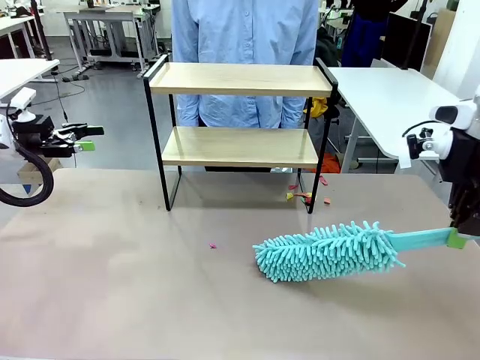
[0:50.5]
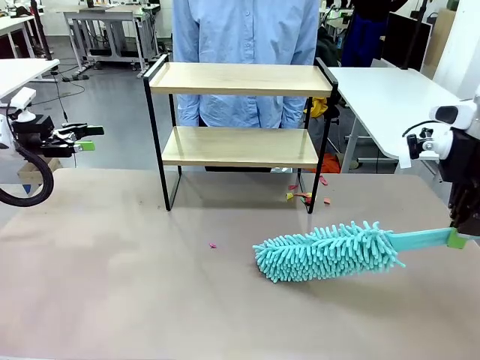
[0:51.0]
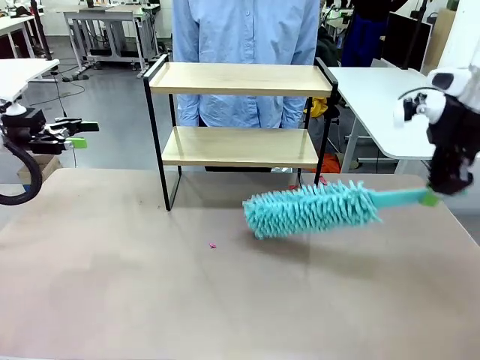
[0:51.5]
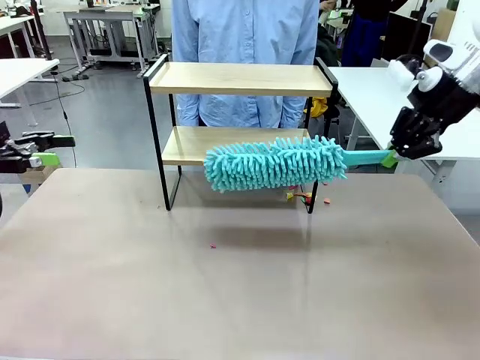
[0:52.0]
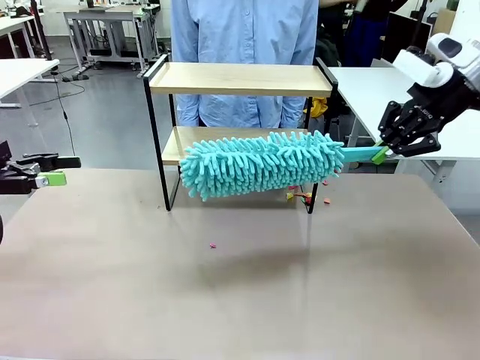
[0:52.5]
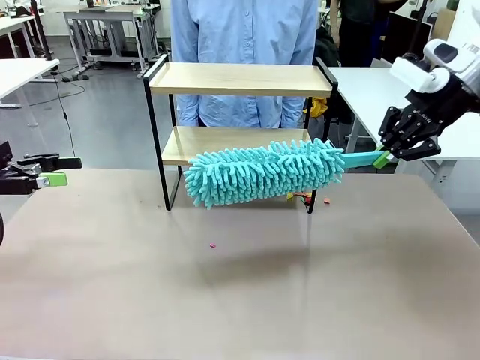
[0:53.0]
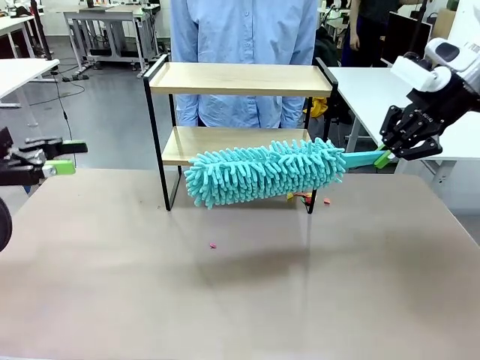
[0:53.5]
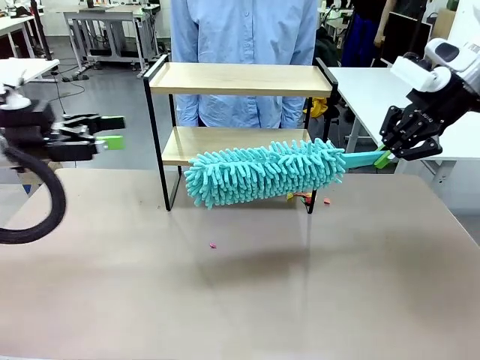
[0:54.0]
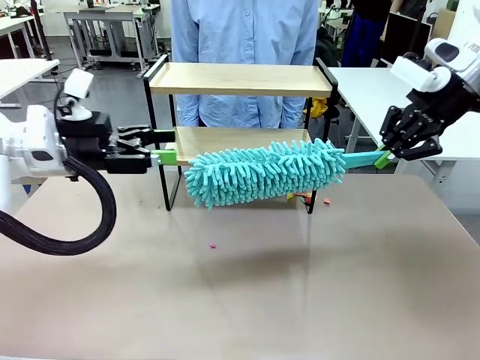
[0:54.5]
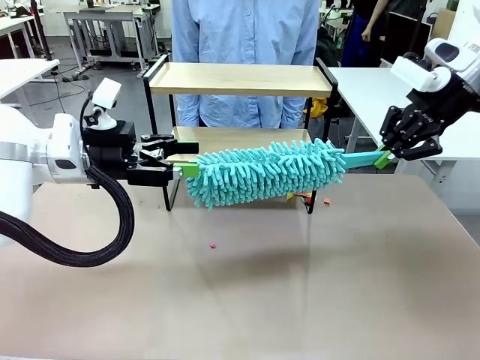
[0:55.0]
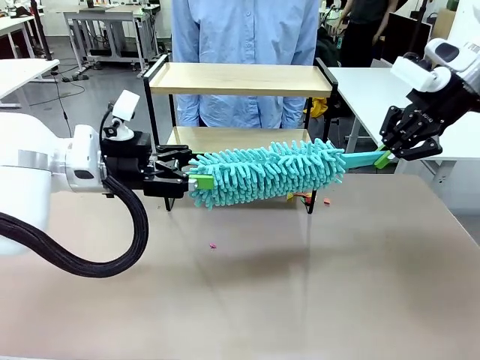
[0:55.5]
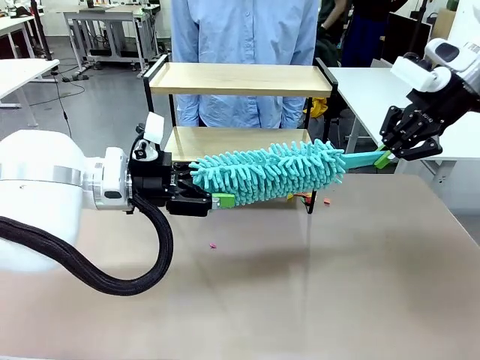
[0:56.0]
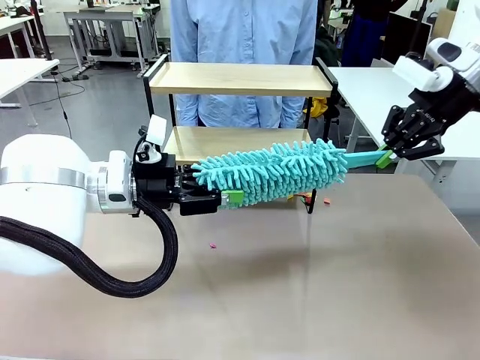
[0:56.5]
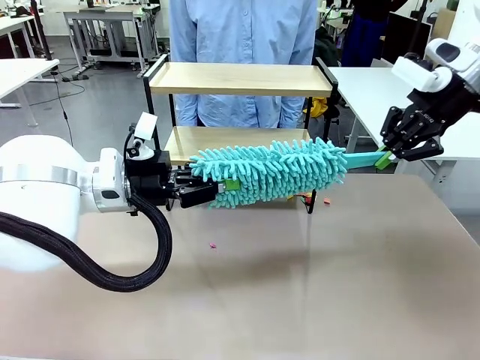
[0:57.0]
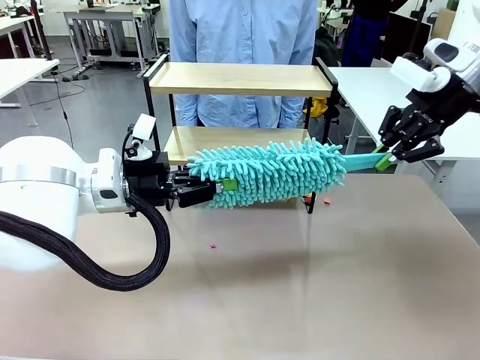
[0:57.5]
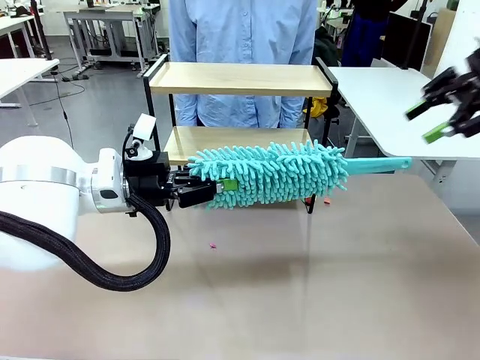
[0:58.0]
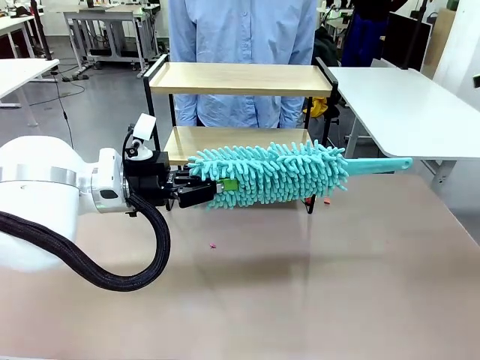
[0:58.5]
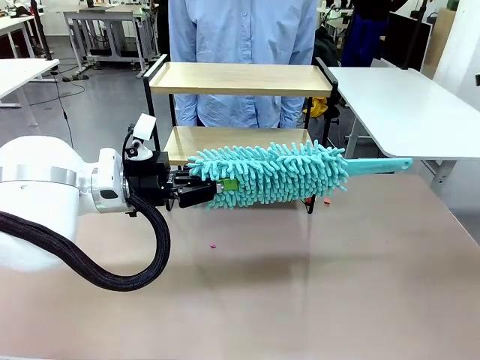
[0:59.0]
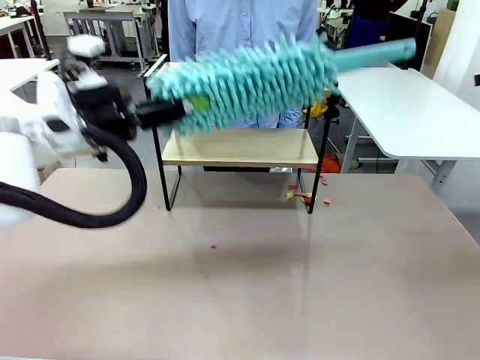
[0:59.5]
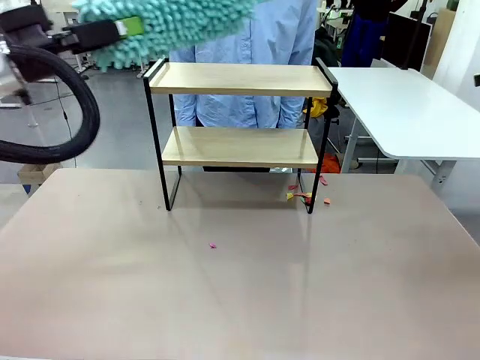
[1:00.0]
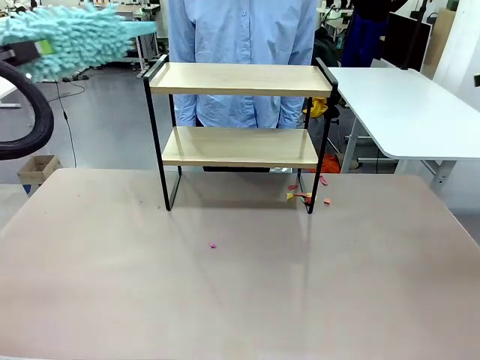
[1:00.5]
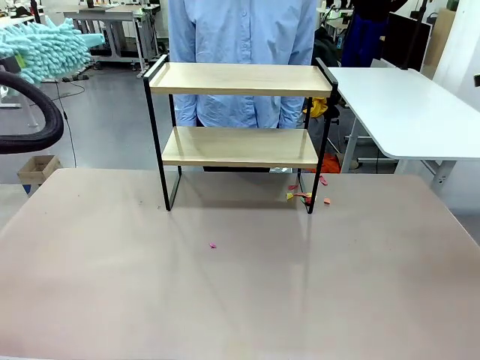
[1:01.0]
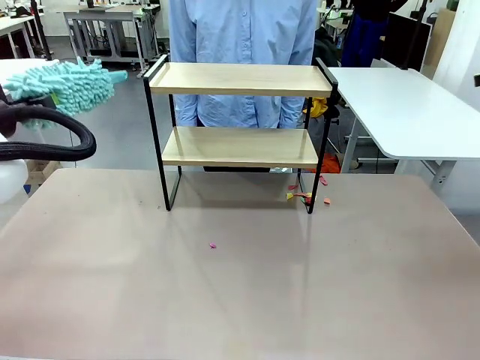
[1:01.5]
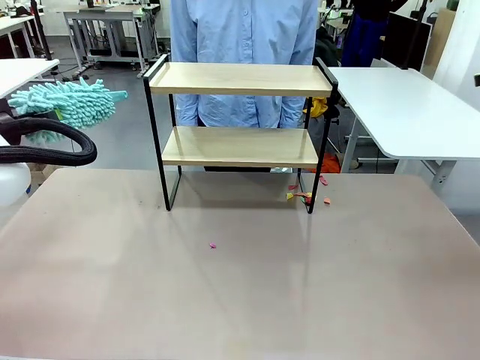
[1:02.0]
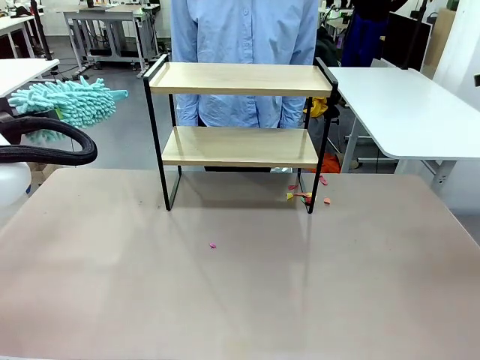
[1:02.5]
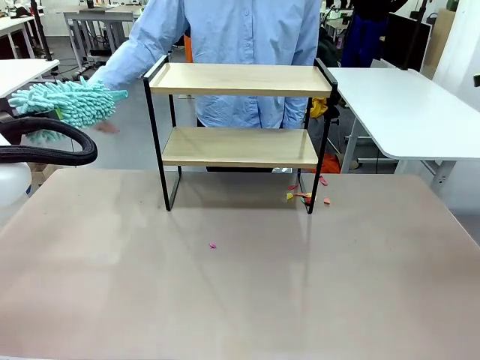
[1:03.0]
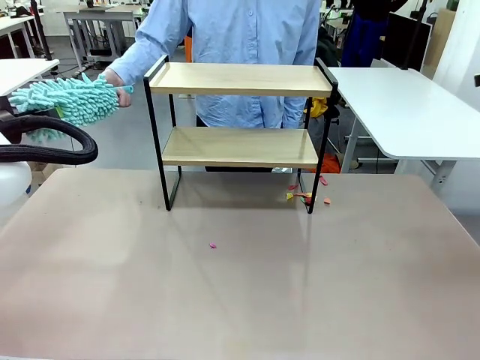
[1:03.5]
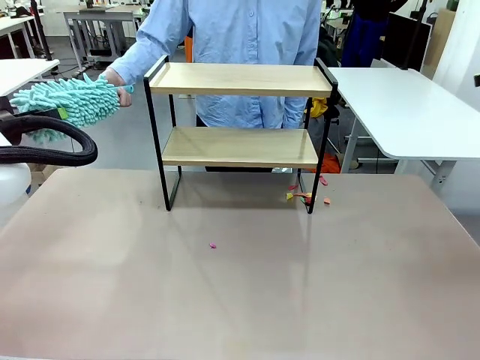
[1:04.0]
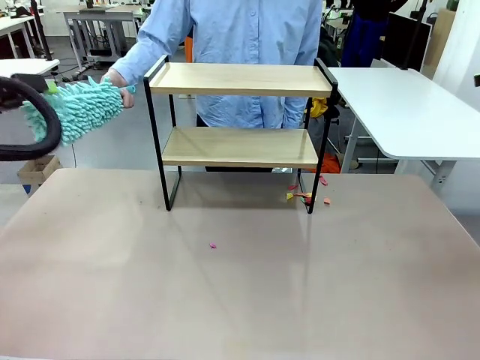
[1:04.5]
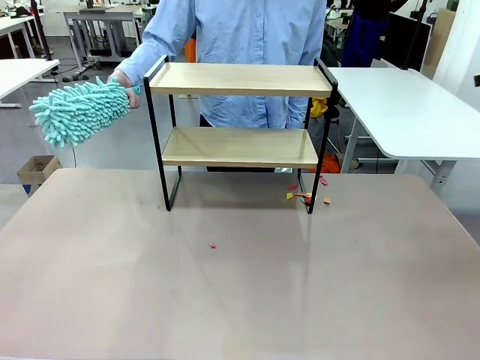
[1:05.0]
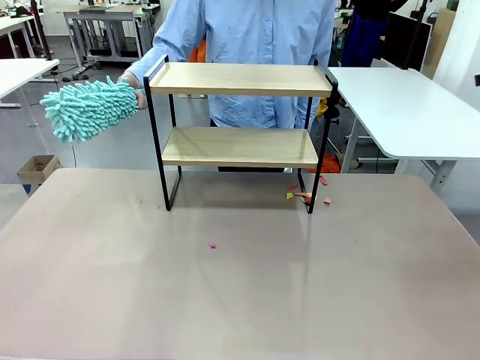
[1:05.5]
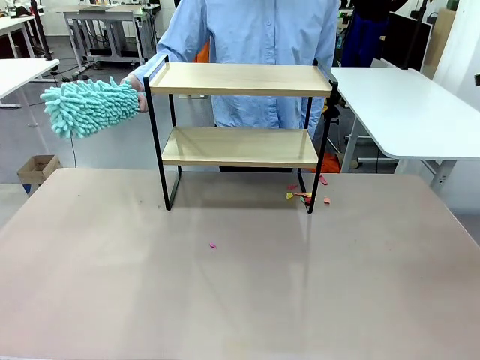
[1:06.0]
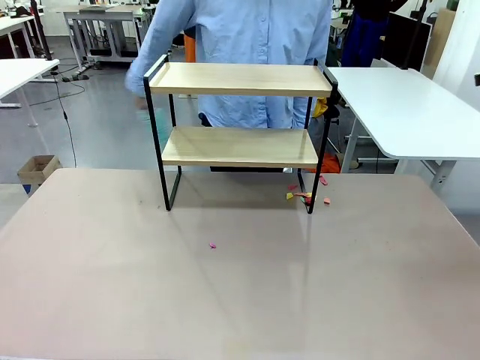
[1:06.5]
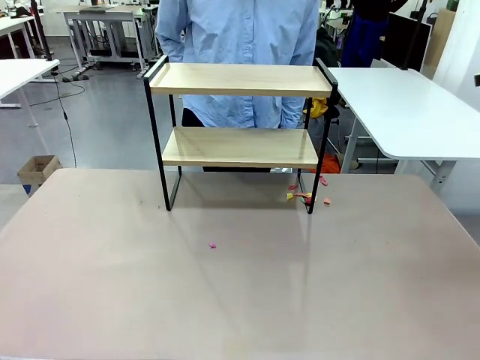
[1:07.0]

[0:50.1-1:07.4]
Task: Clean the shelf.
Robot: Hand the Duster back to the human.
Person: Receive the Duster from the robot.

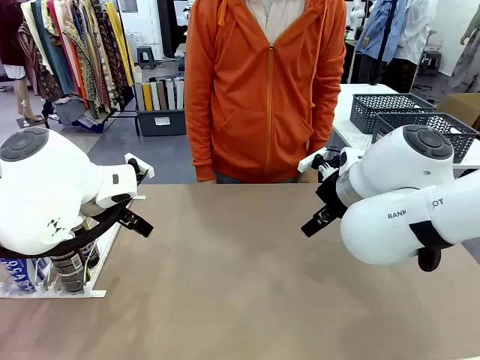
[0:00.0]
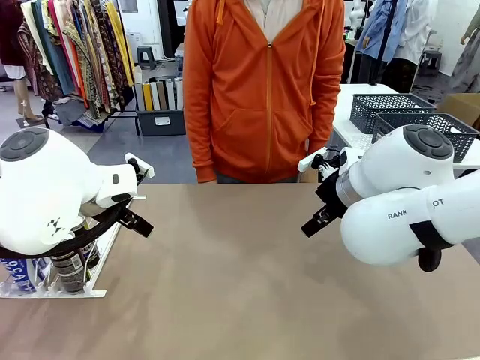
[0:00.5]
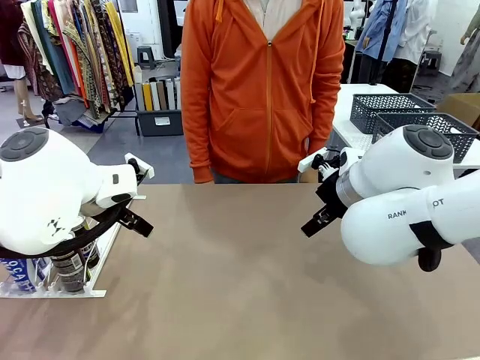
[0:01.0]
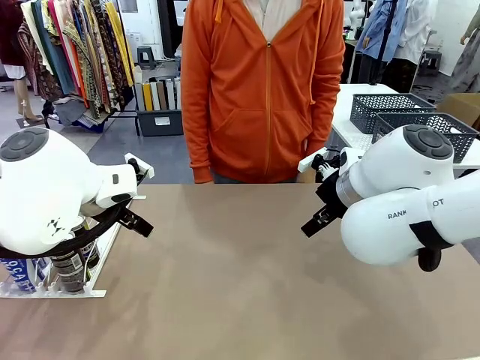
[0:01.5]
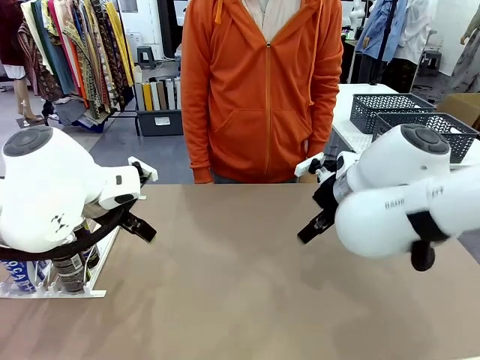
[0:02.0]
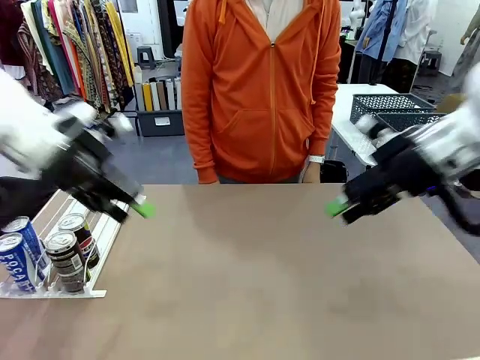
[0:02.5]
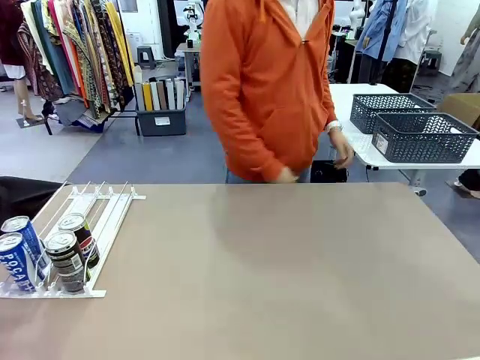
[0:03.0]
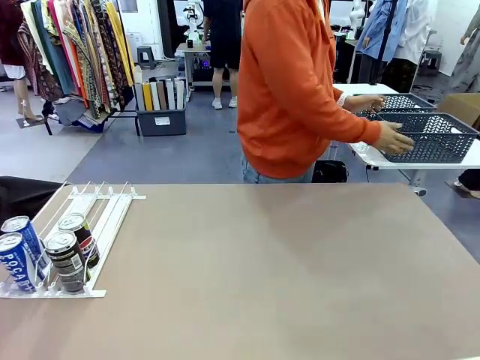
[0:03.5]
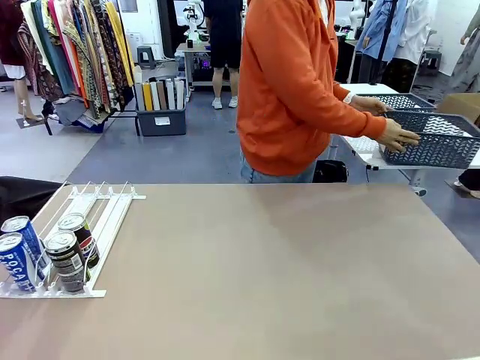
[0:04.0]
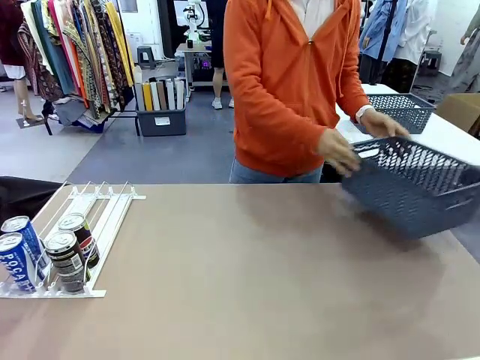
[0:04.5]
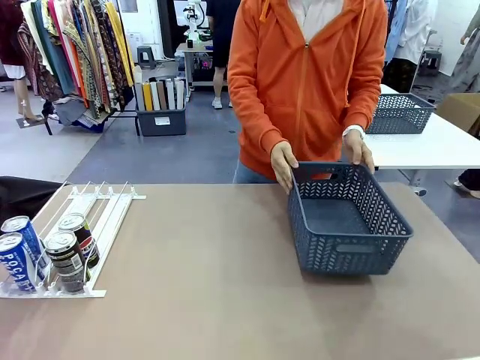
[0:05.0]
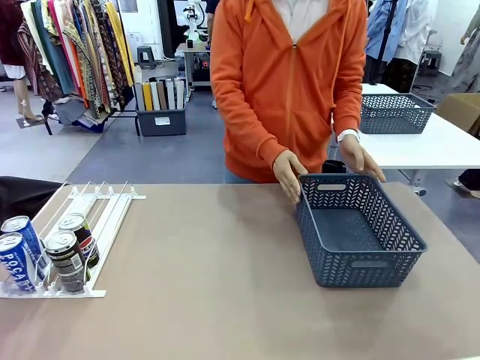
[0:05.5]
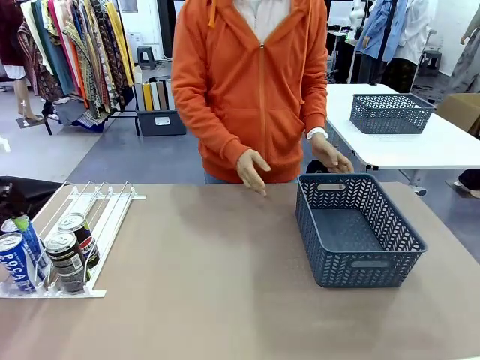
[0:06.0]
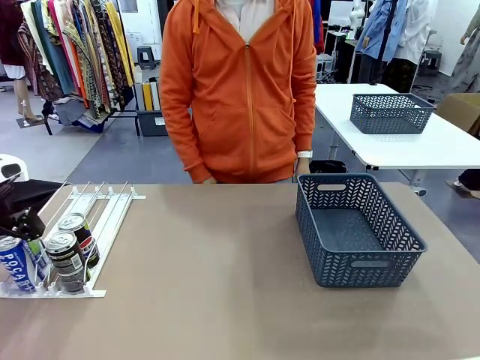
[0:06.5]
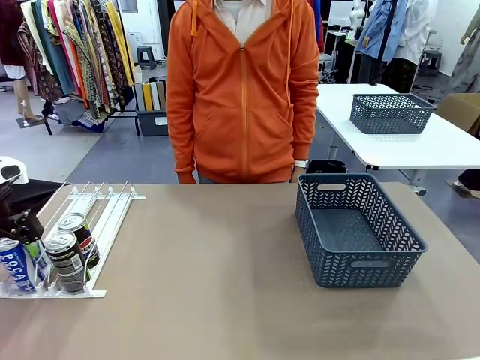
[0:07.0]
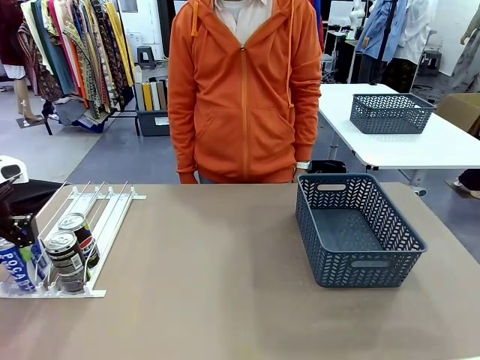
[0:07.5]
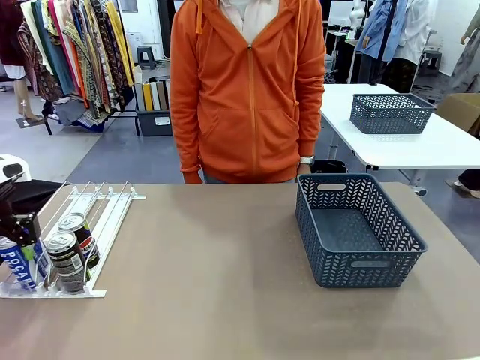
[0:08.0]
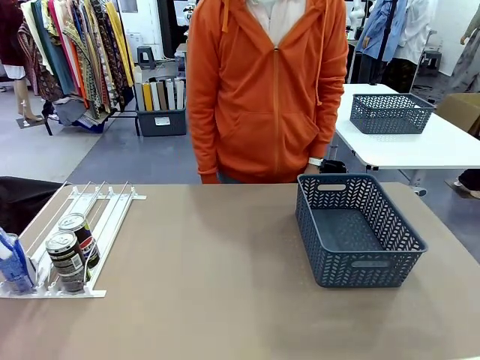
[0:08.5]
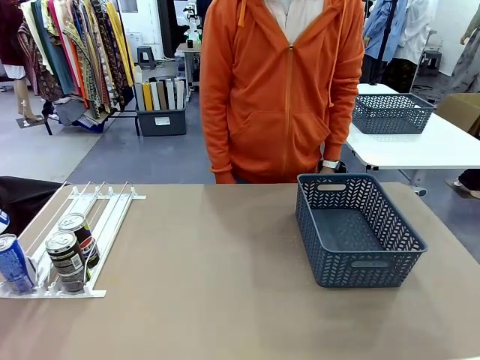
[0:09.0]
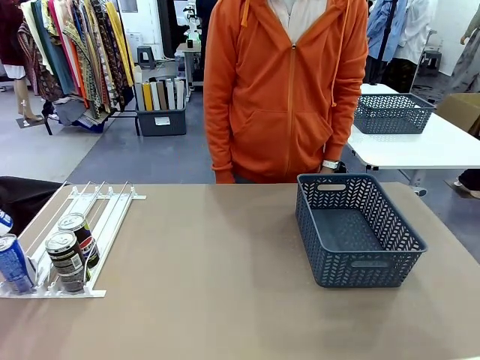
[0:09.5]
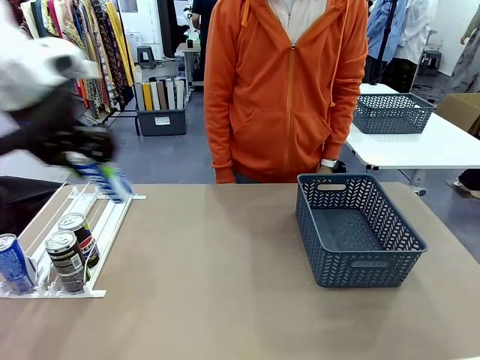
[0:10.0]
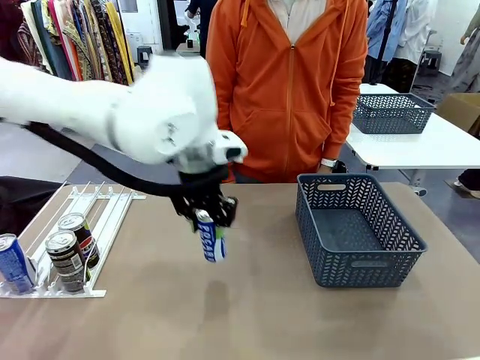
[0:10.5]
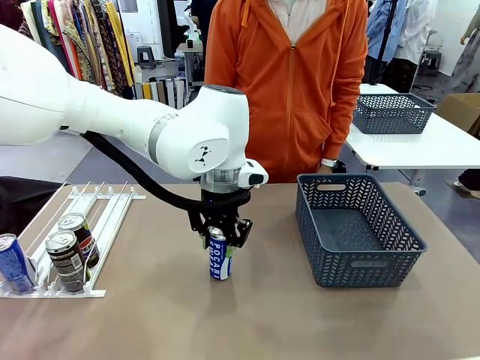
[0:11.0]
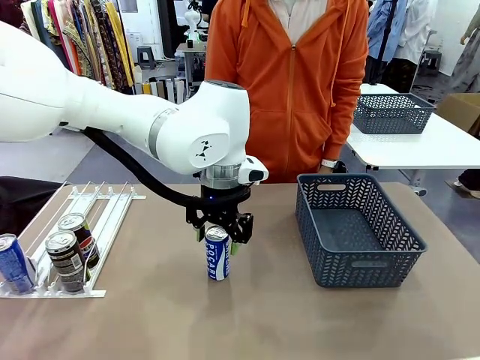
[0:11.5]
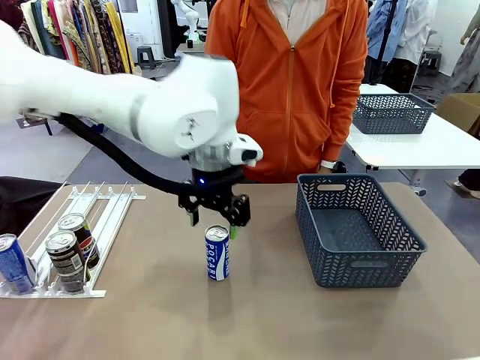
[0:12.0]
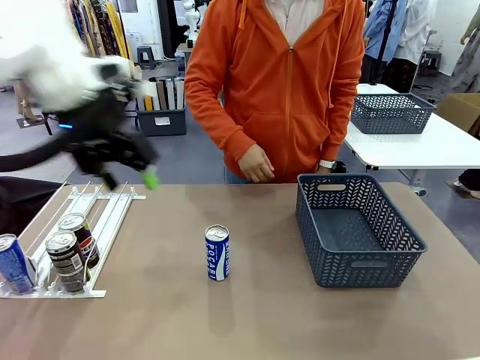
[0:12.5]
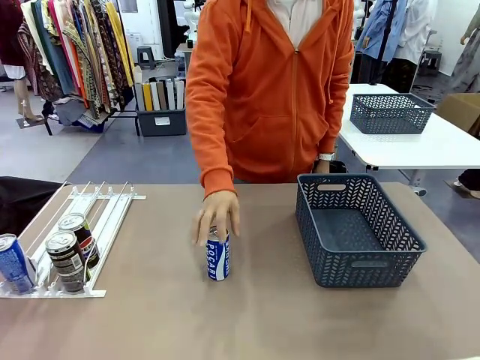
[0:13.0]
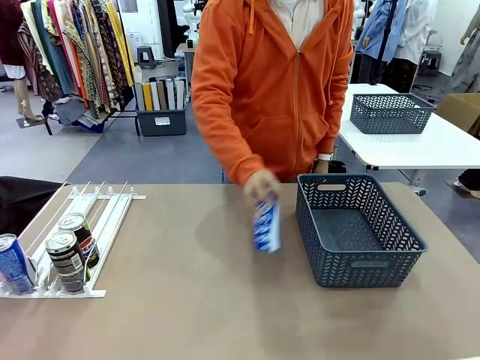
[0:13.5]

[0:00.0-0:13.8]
Task: Retrieve and store the cans from the dispenser.
Robot: Pick up one can from the Automatic Can Dispenser and place it in the middle of the table.
Person: Pick up the basket and place it on the left side of the robot table.
